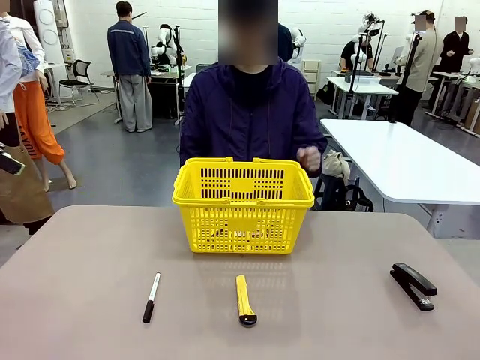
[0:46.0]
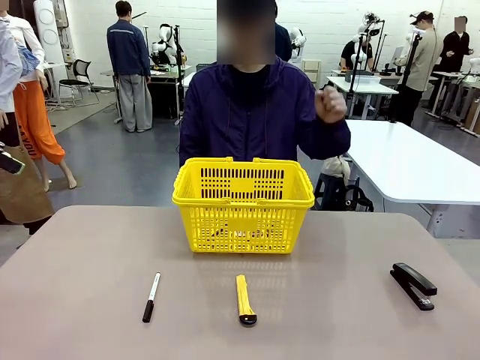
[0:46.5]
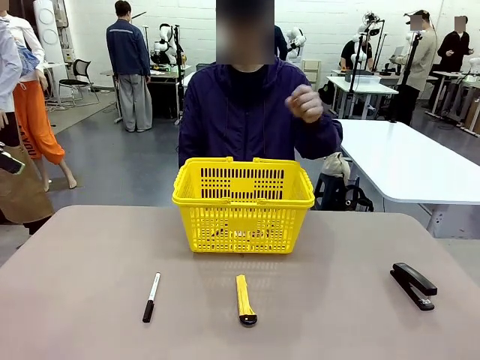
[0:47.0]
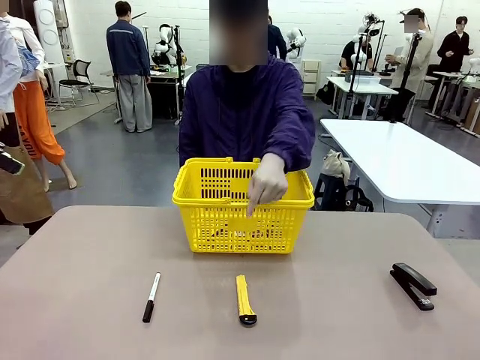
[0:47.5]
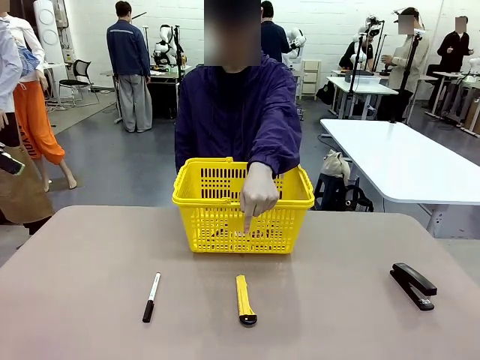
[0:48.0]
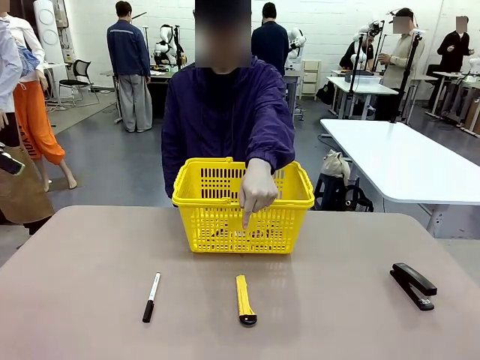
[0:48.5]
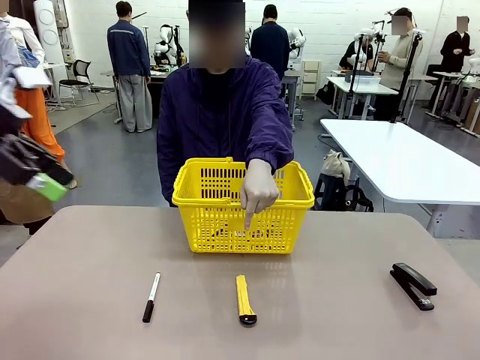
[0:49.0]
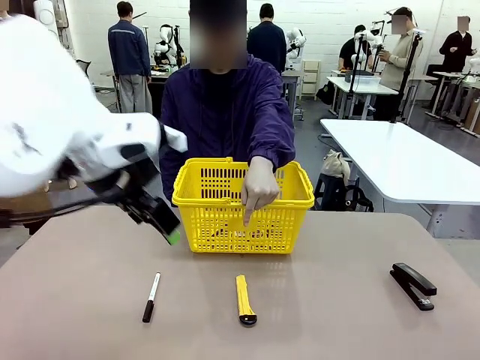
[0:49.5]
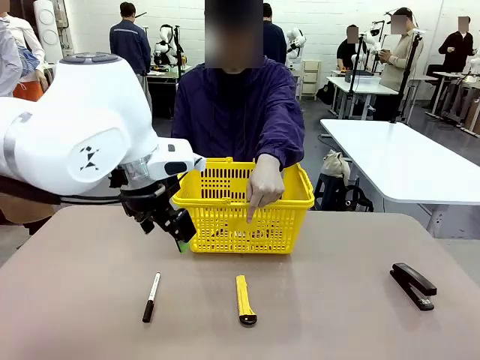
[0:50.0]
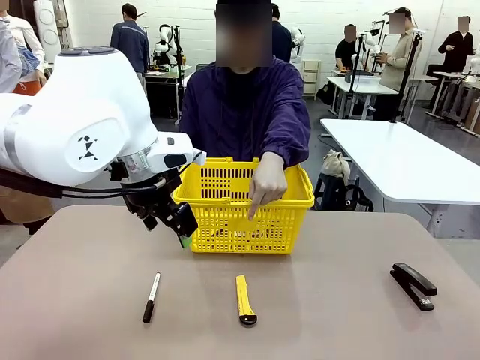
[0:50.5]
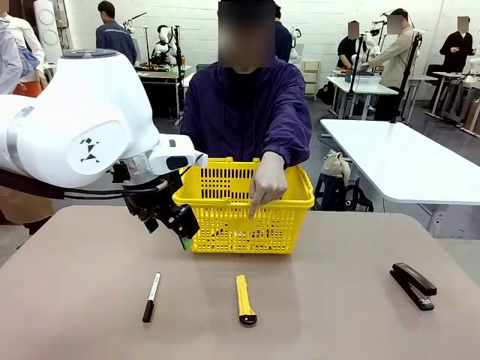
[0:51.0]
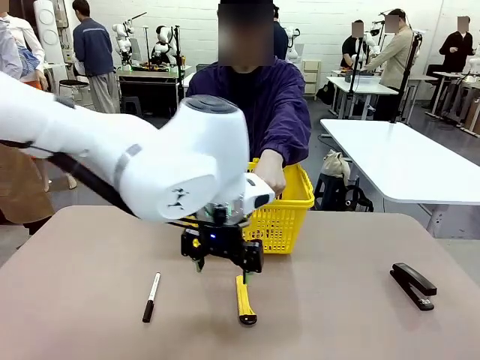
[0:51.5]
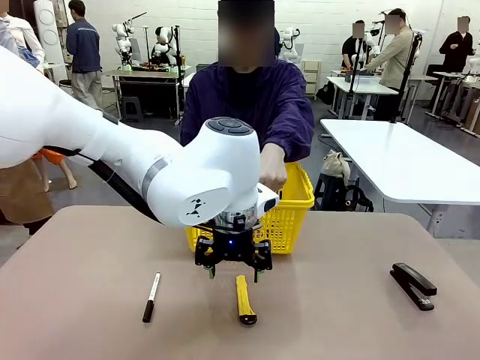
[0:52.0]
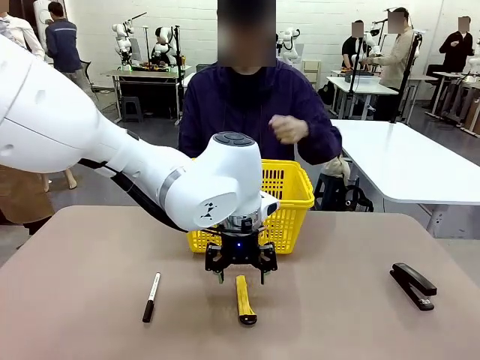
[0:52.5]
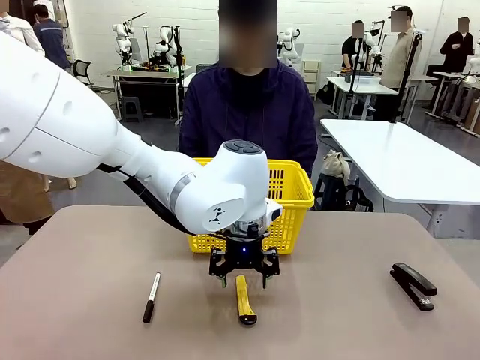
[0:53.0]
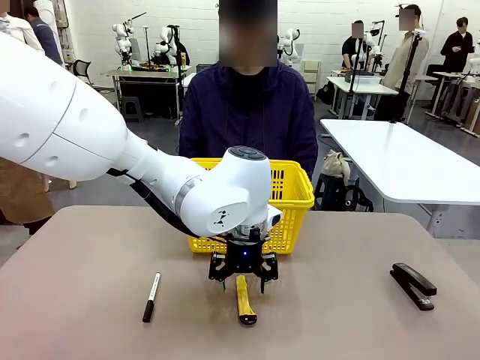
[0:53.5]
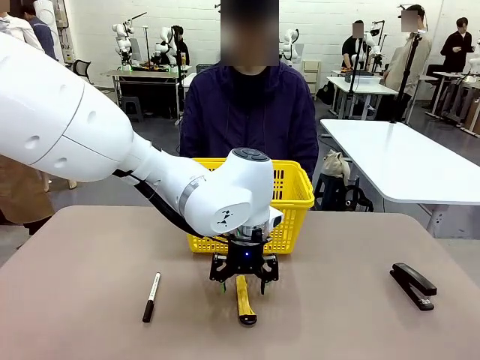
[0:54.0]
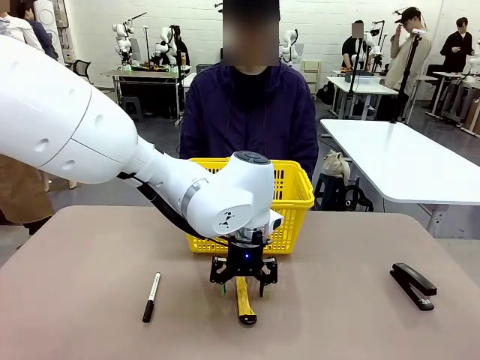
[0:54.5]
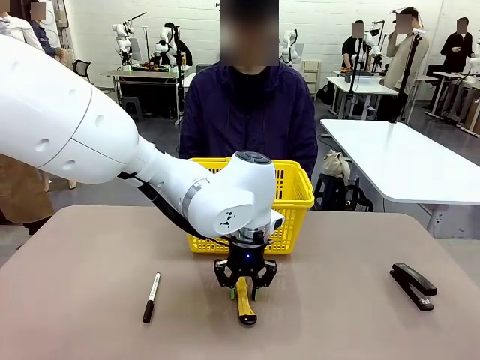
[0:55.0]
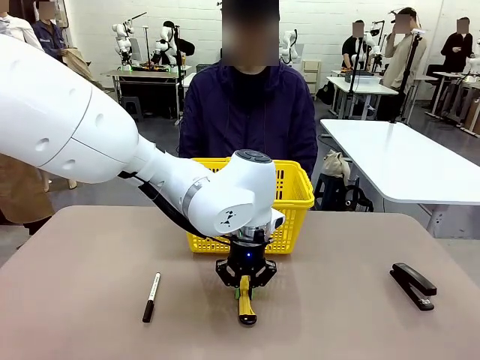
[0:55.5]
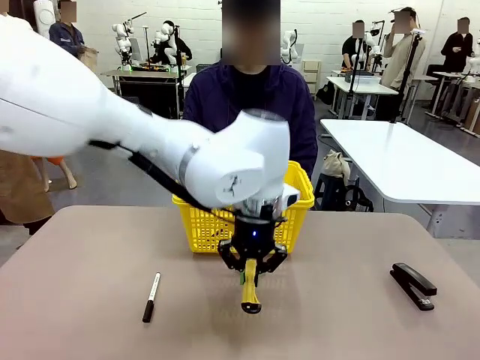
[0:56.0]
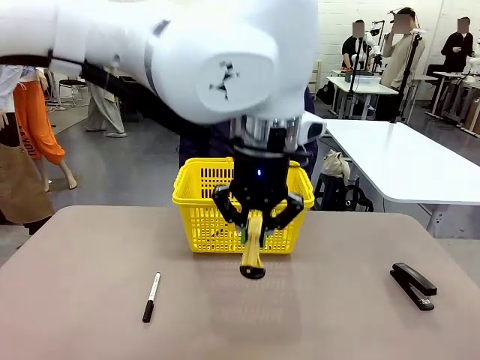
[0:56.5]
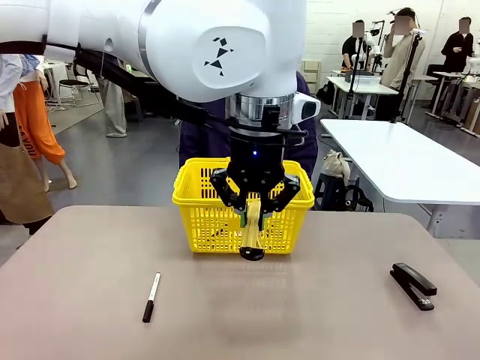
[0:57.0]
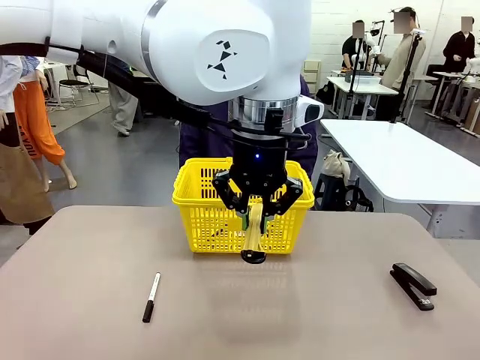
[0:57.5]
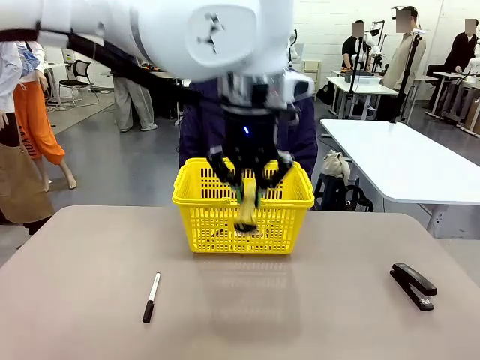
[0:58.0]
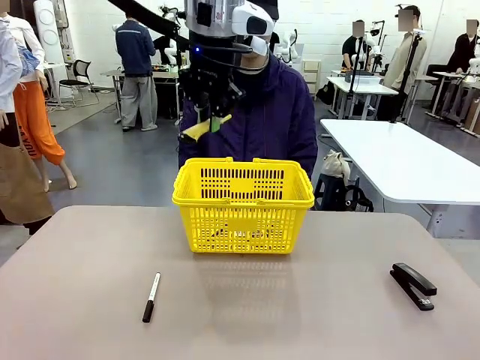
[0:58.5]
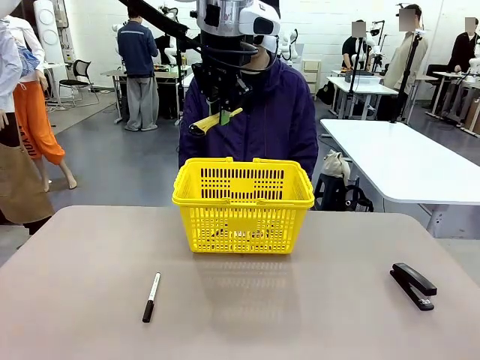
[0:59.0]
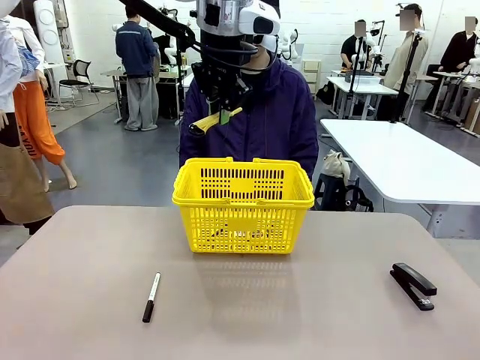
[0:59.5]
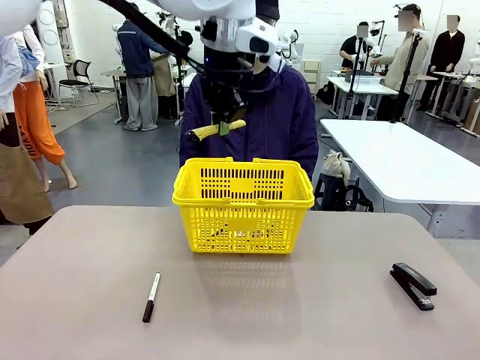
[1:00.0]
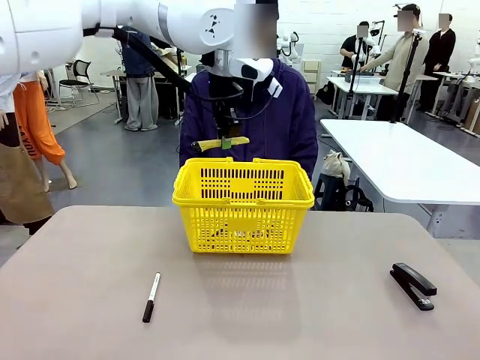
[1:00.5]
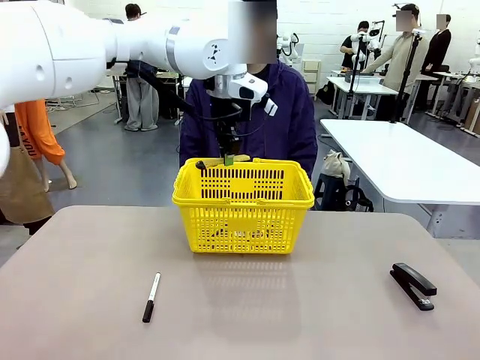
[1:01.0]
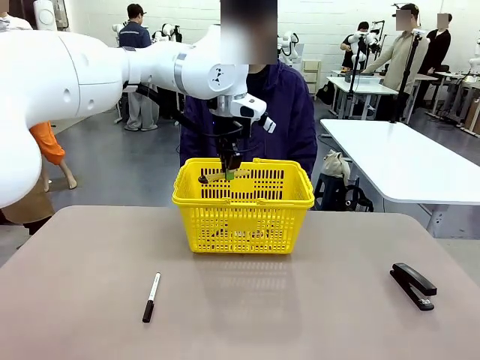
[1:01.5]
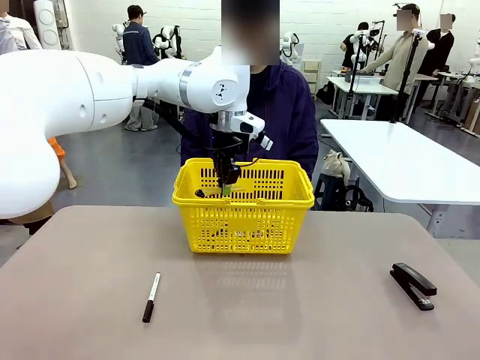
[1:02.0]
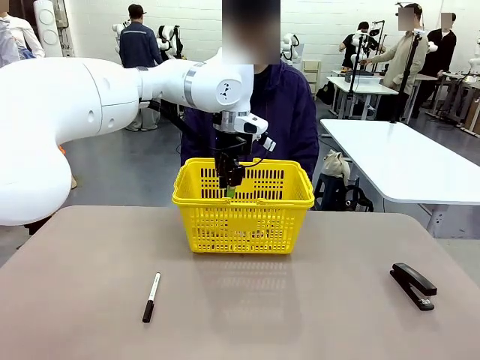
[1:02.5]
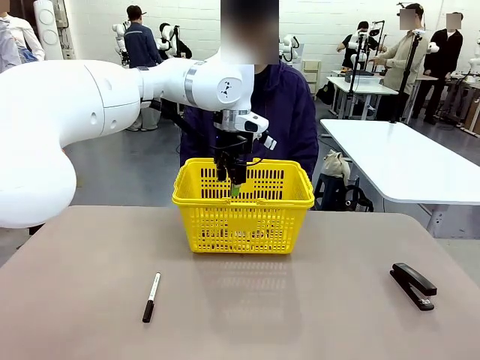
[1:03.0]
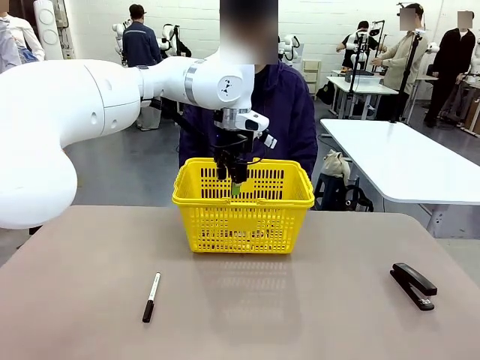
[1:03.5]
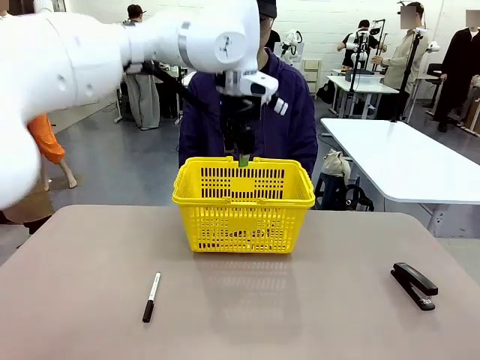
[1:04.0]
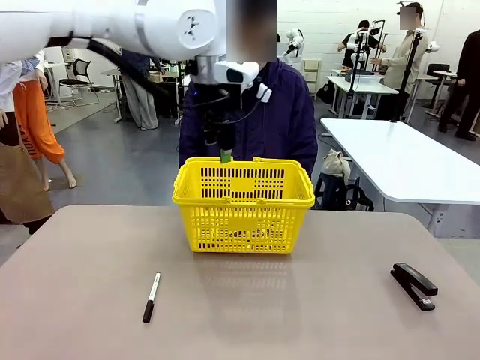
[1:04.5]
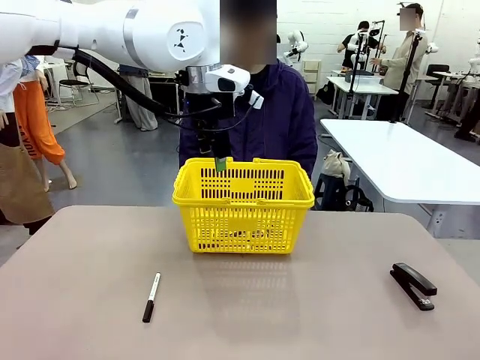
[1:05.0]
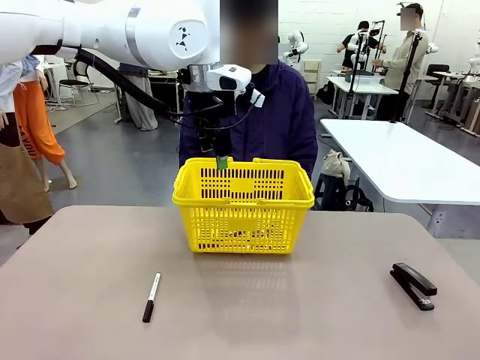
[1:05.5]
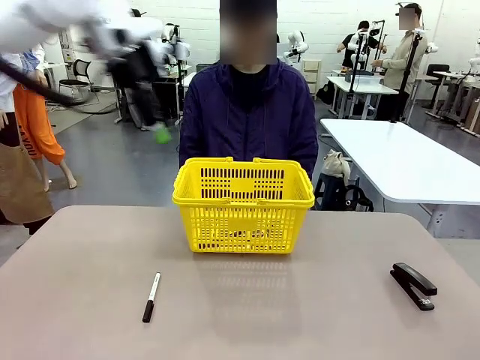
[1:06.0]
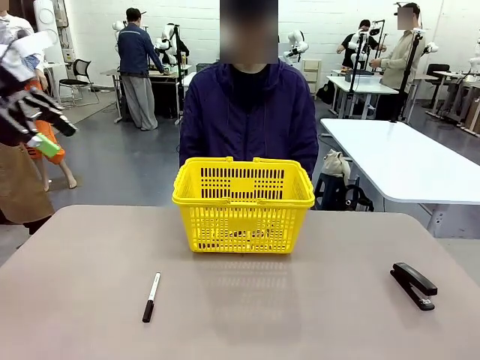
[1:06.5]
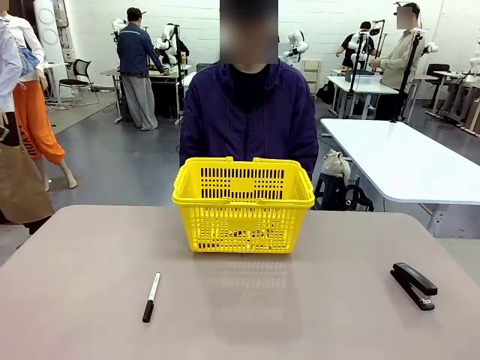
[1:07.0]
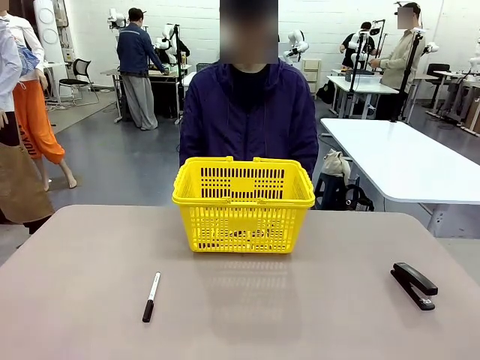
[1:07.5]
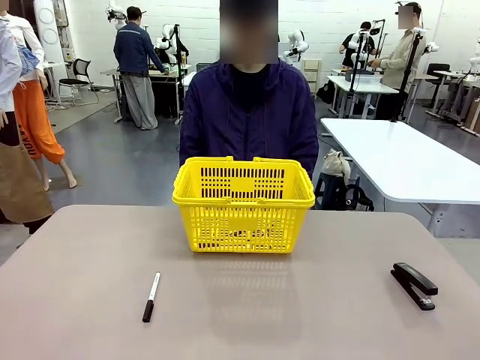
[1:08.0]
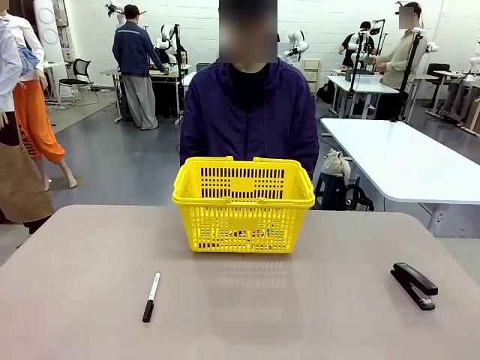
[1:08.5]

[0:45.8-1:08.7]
Task: Place the items the person wants into the basket.
Robot: Pick up the item the person points to and place it in the Market Basket.

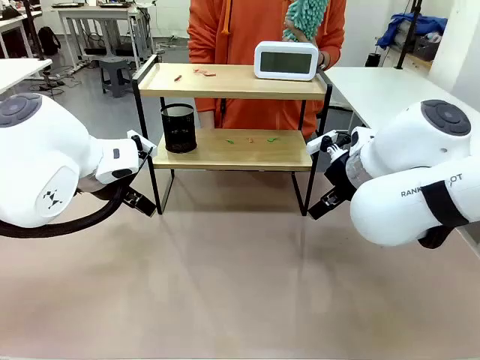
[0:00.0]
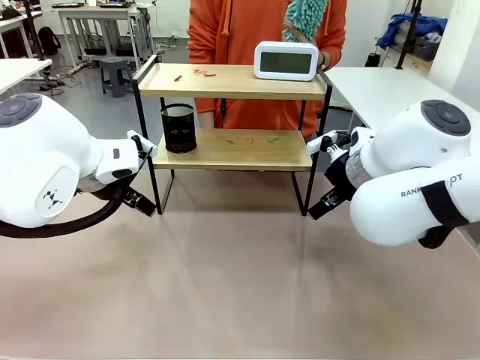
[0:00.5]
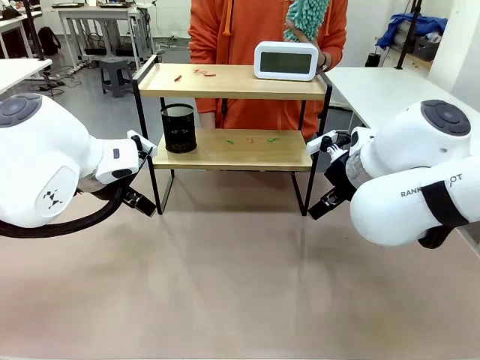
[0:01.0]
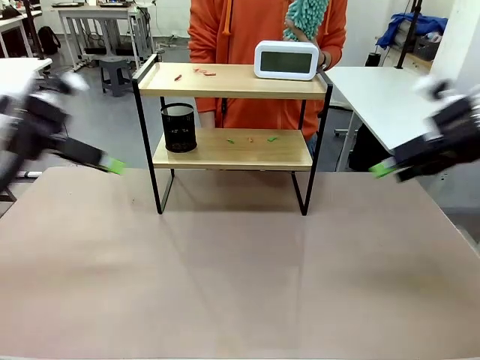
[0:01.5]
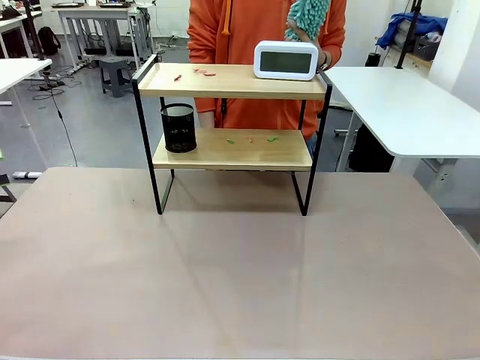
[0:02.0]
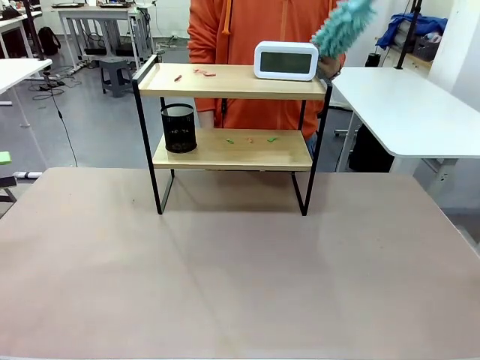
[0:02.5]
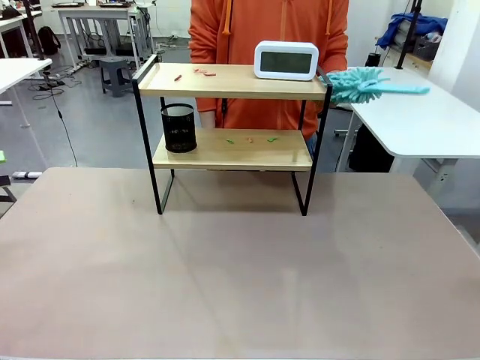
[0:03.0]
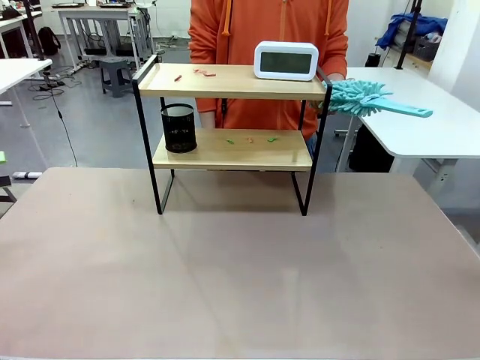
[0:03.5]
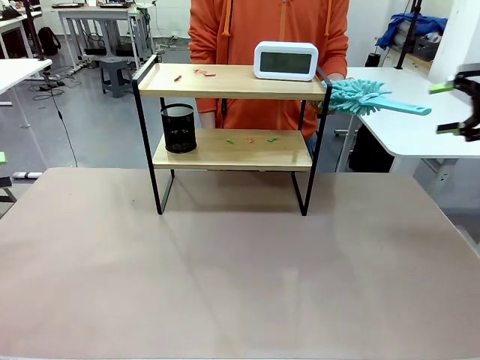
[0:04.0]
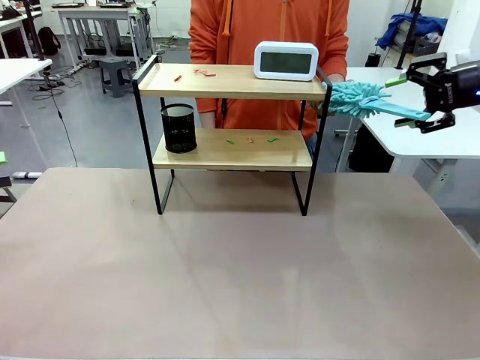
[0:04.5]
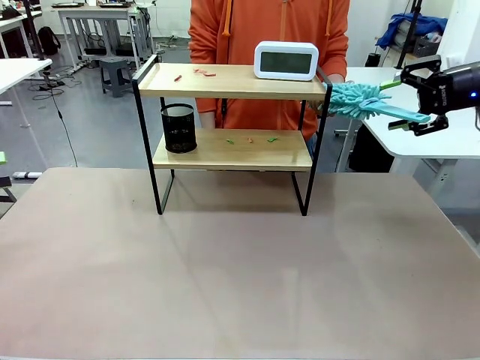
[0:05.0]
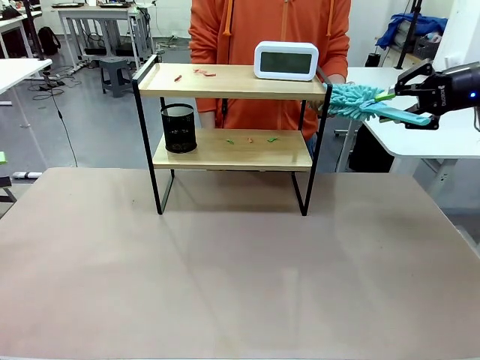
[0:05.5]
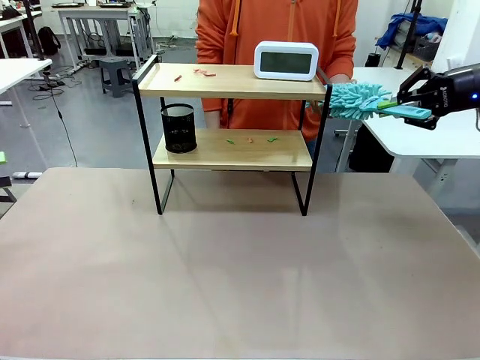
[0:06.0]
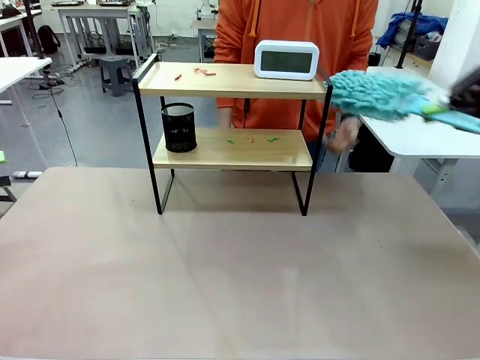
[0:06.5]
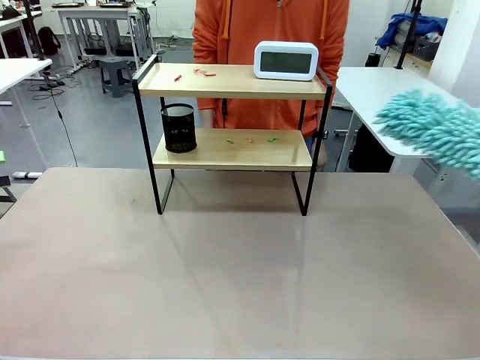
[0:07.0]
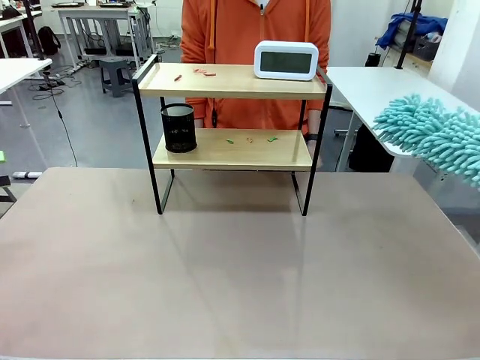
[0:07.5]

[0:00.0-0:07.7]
Task: Clean the shelf.
Robot: Pick up the Duster from the human.
Person: Hand the Duster to the robot.
